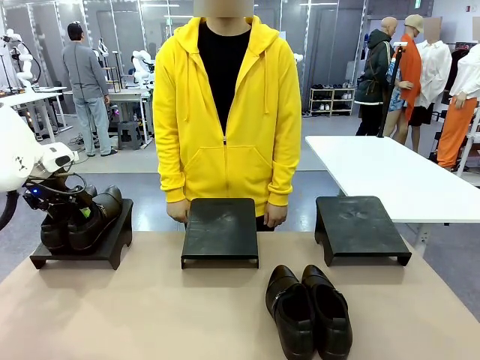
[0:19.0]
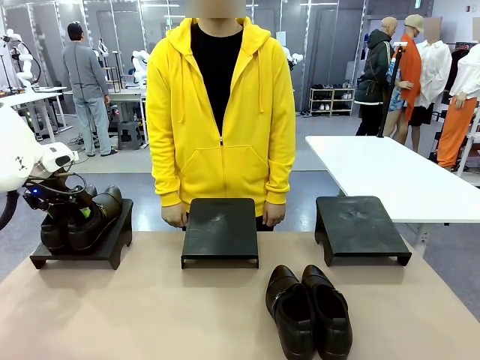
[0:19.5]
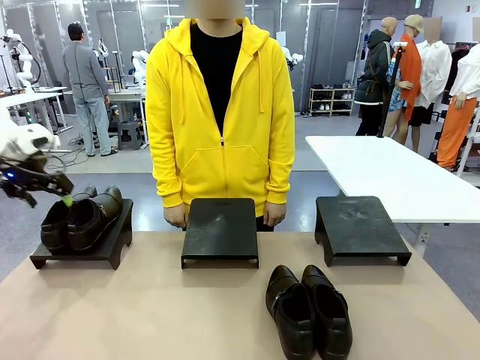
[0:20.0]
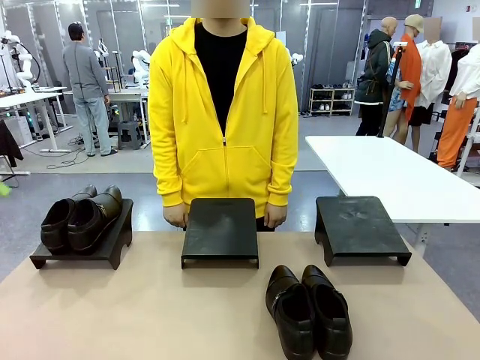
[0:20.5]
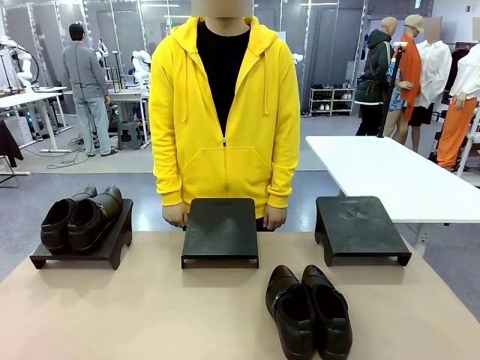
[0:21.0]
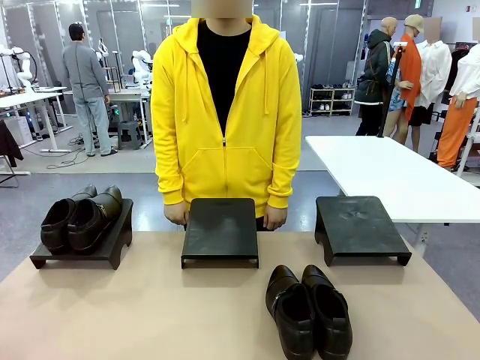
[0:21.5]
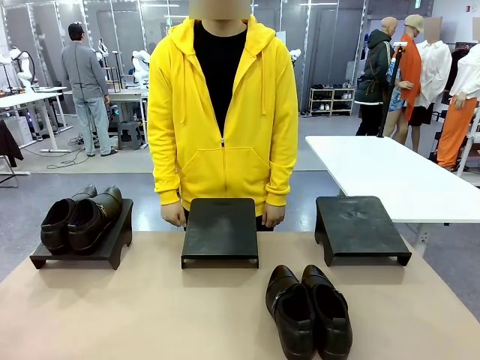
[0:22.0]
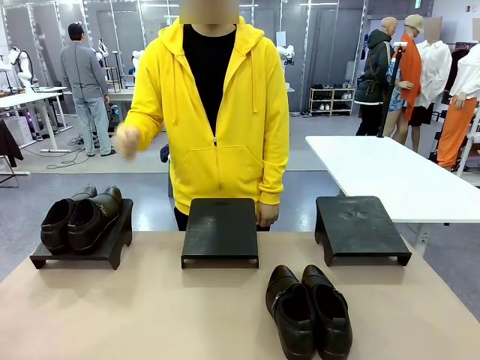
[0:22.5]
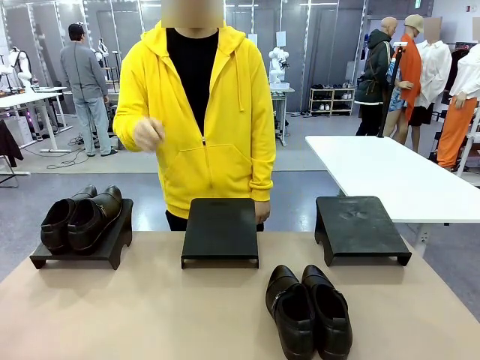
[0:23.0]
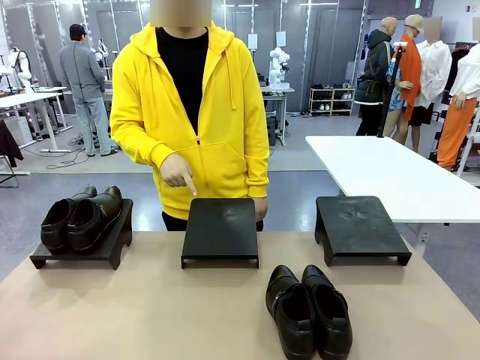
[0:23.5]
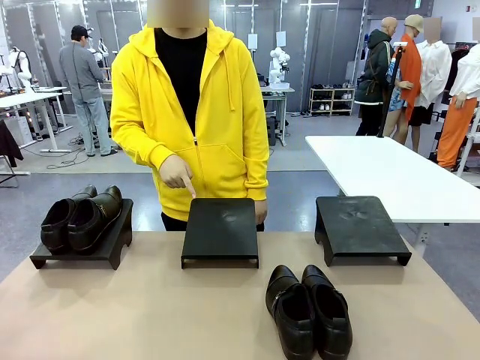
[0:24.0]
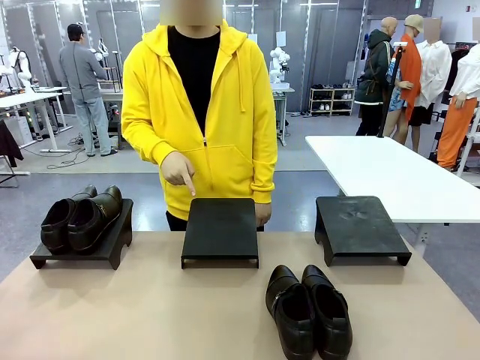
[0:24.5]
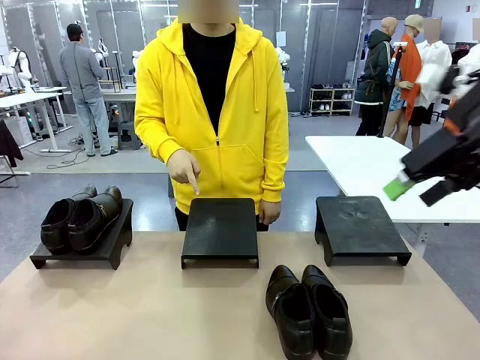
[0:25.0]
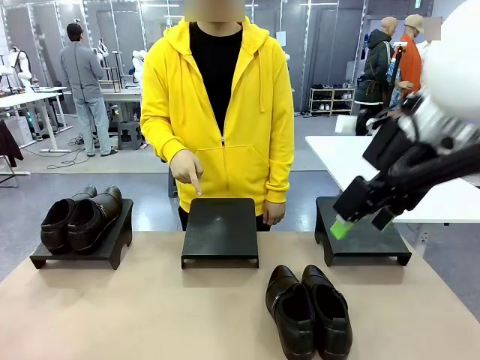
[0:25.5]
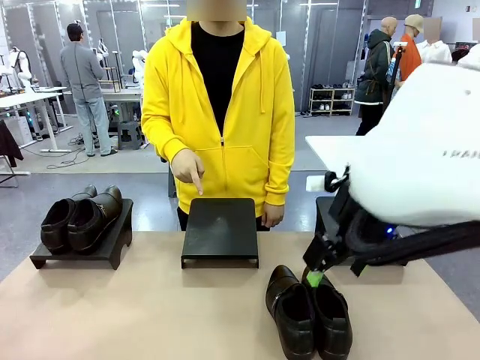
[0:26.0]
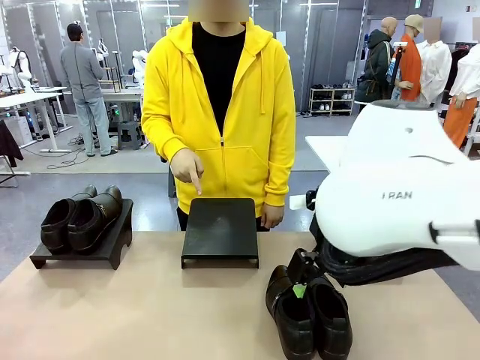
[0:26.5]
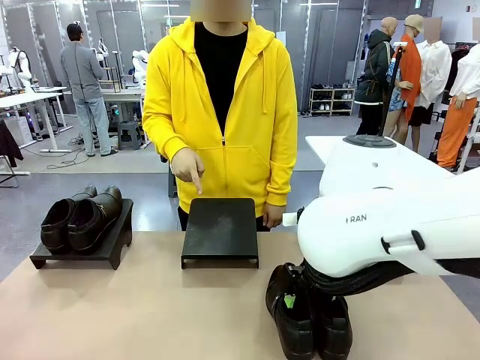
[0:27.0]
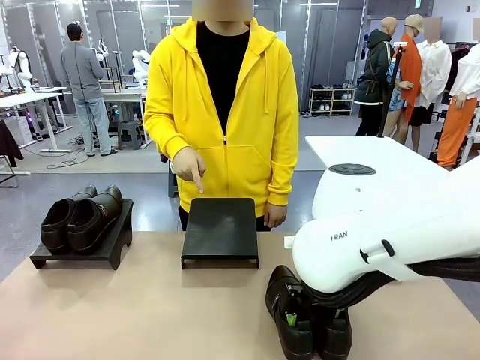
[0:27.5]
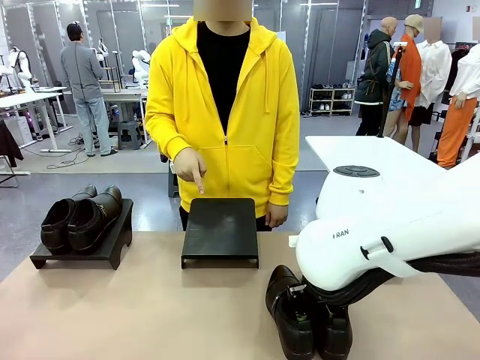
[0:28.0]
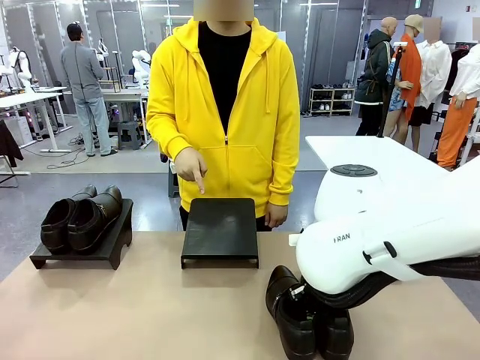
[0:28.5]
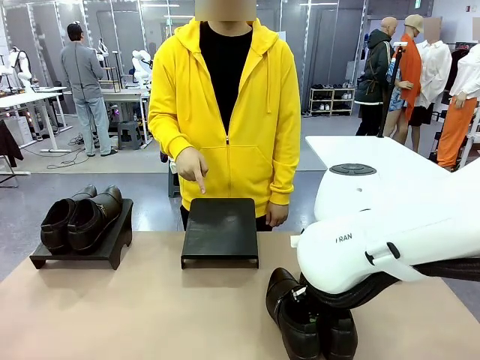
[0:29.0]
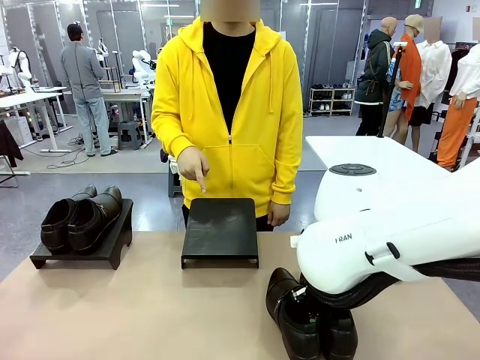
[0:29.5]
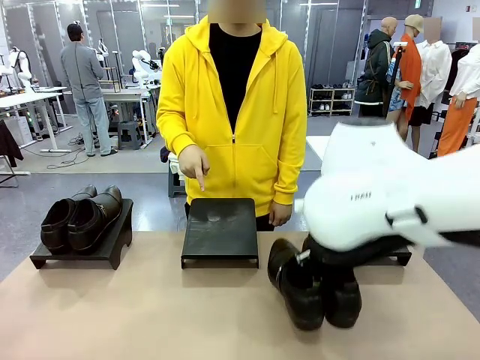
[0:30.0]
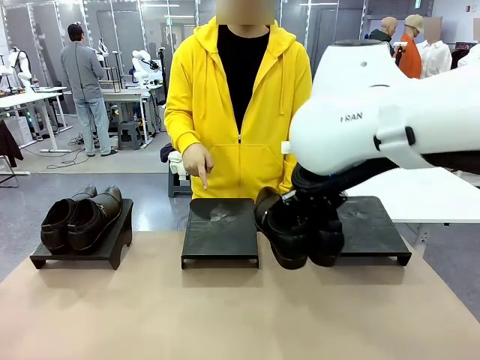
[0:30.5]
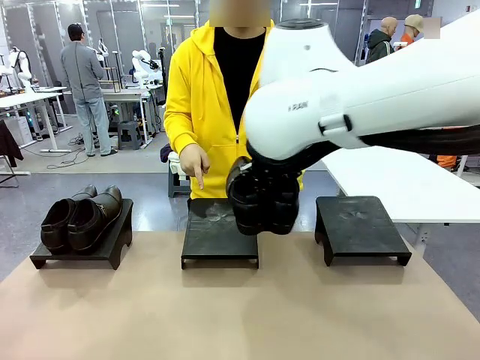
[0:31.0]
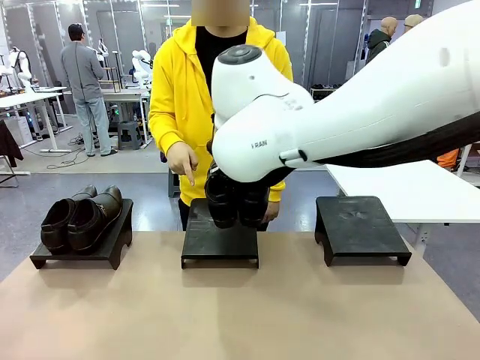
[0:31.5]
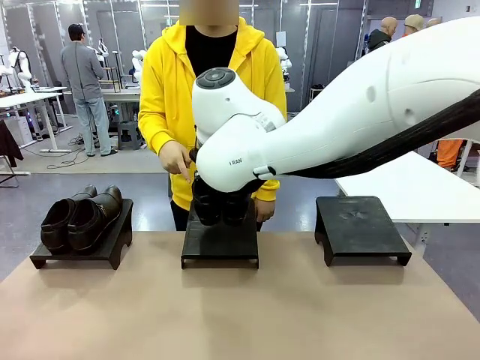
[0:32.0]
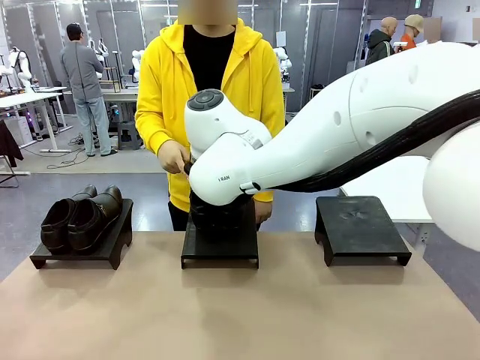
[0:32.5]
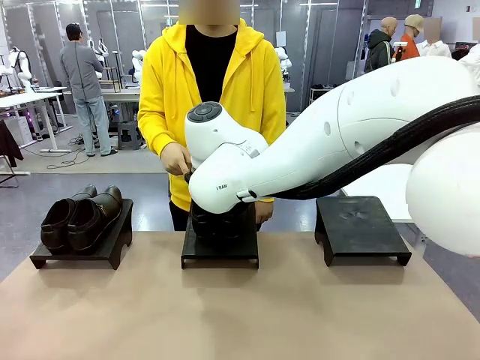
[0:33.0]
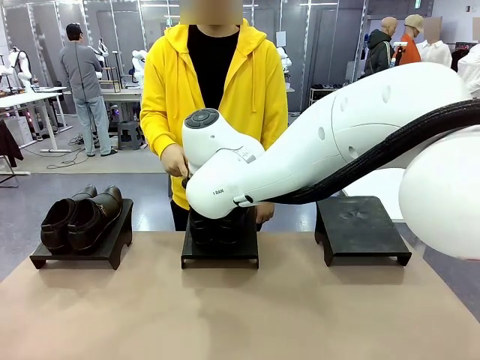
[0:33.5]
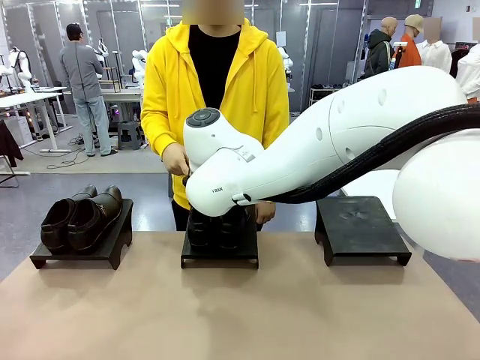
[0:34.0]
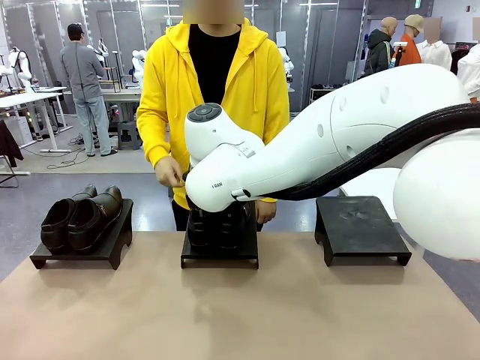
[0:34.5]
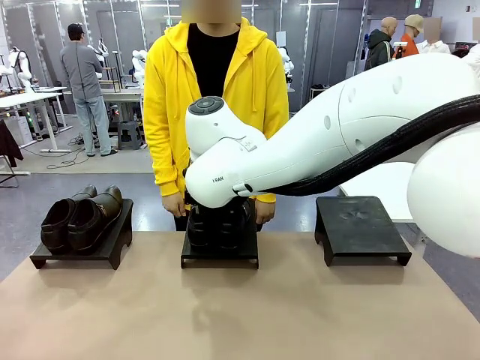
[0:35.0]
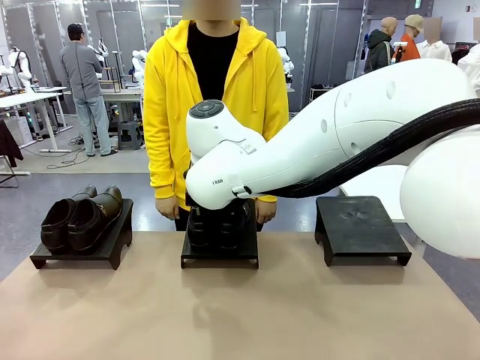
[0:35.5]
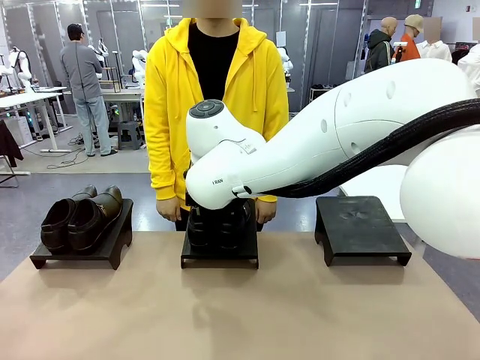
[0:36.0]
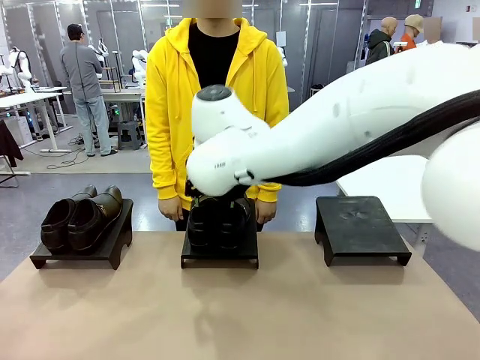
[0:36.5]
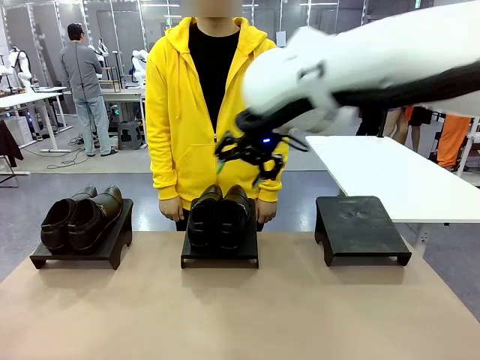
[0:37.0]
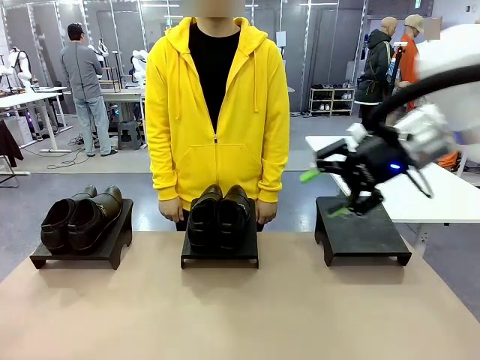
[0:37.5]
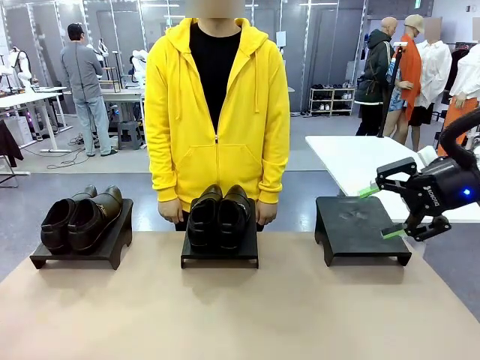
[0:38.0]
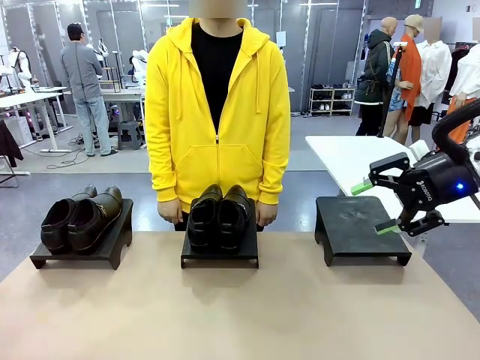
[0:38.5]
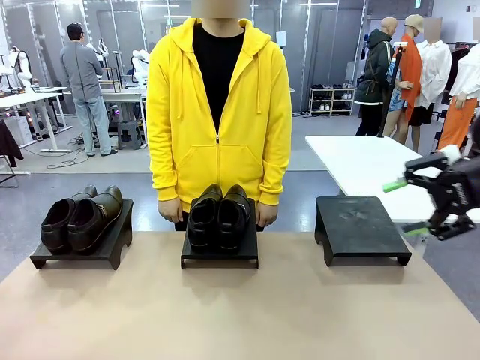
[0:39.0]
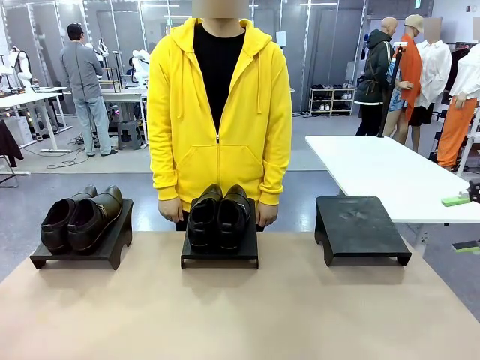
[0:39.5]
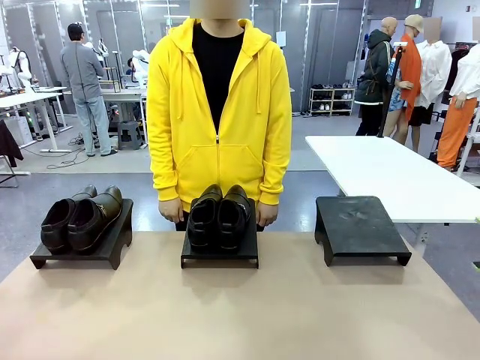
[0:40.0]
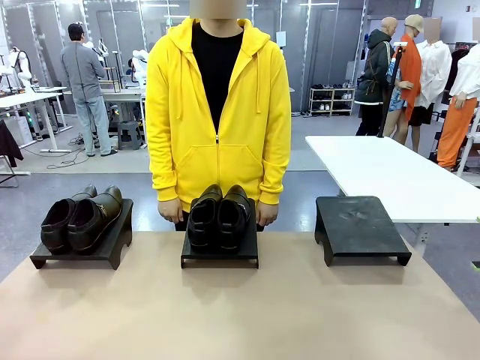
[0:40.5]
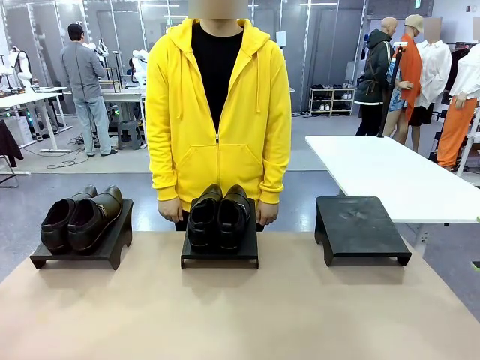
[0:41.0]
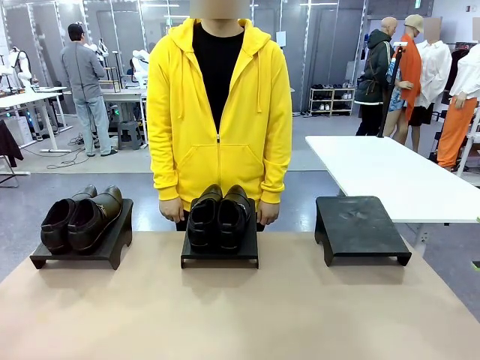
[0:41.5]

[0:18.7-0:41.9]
Task: Place the shoes on the stand as instructed by the person.
Robot: Pick up another pair of Shoes and place it on the Shoes Stand indicated by the person.
Person: Point to one Shoes Stand.

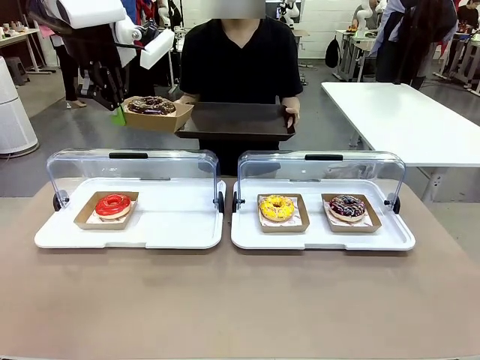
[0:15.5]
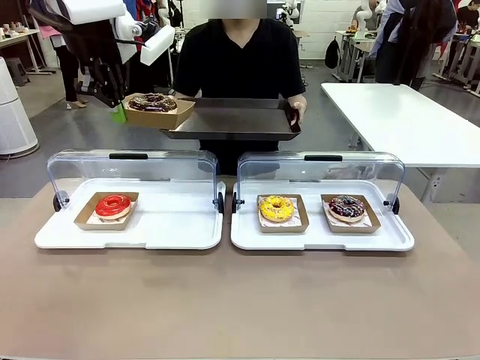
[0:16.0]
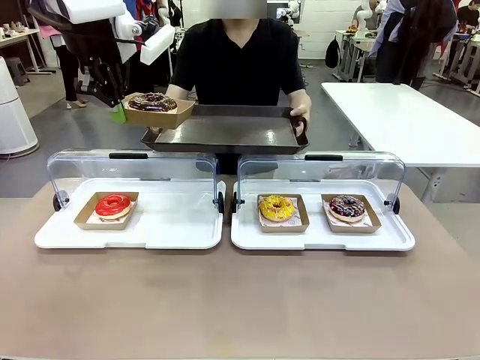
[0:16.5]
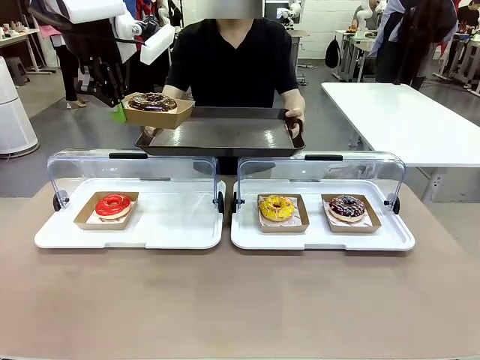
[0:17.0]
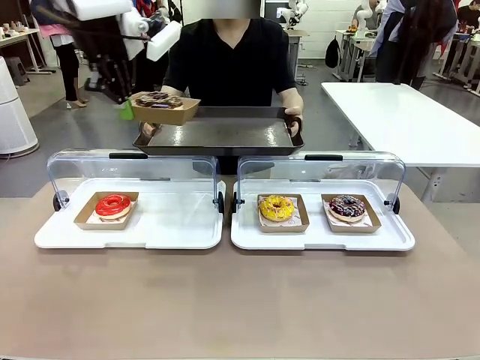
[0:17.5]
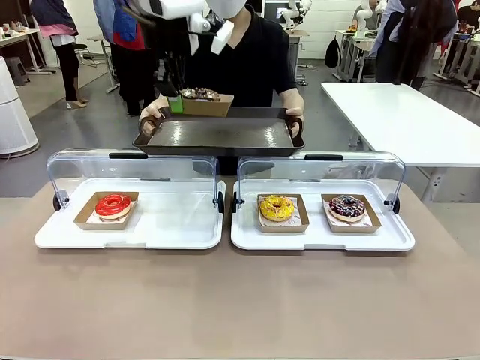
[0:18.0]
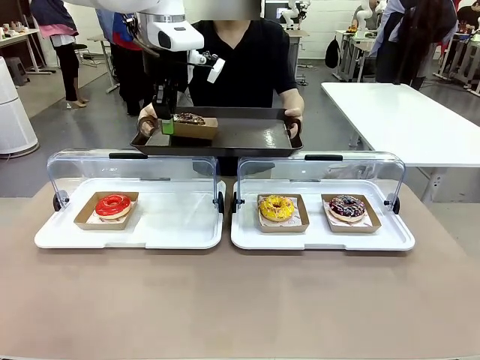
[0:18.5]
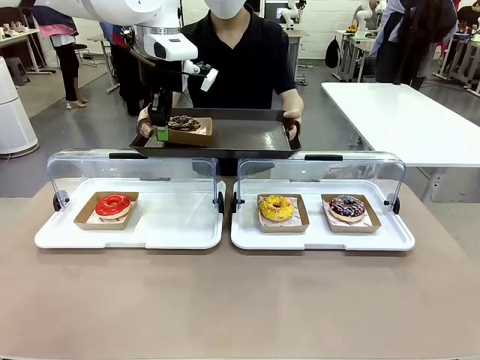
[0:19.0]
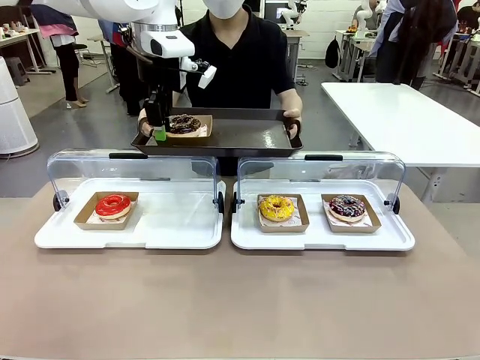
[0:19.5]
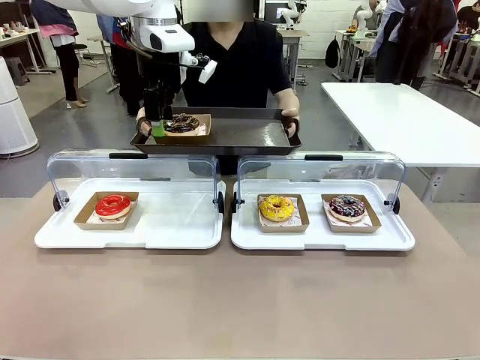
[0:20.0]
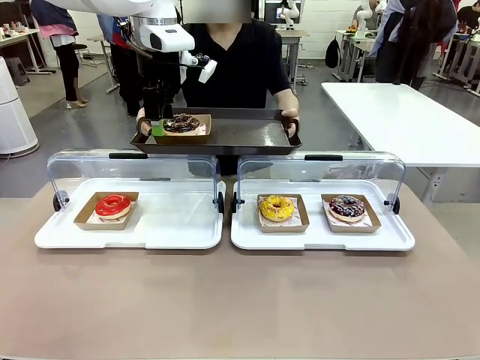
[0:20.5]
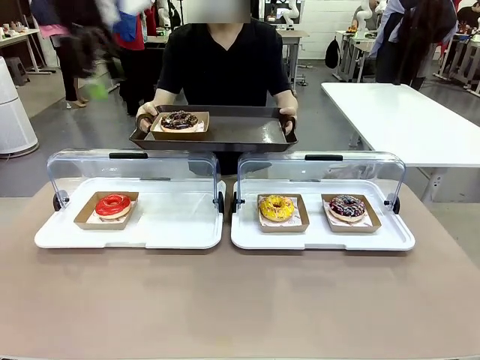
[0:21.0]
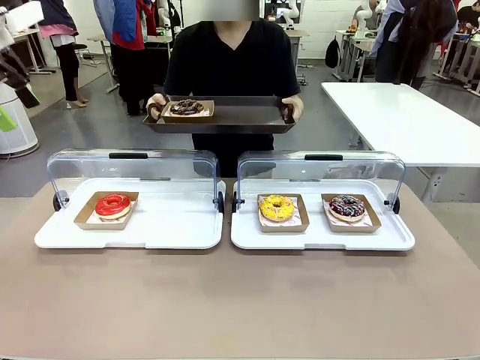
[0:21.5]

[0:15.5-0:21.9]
Task: Provide the desired donut to the person.
Robot: Place the picked Paper togo box onto the Handle tray extended by the person.
